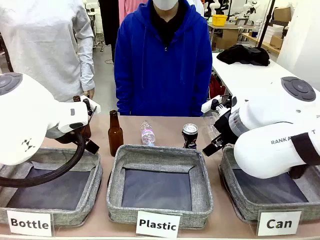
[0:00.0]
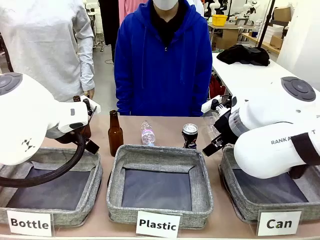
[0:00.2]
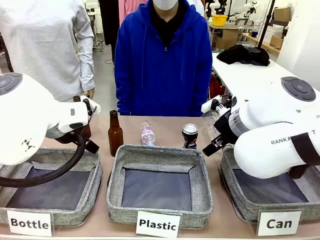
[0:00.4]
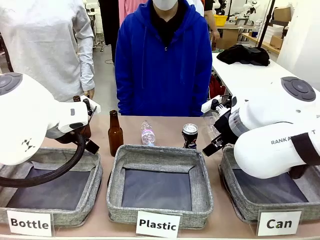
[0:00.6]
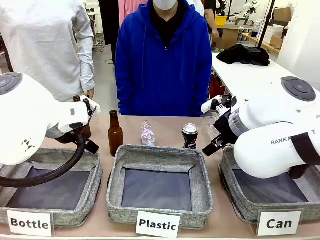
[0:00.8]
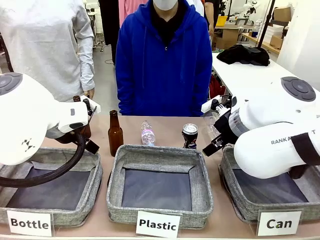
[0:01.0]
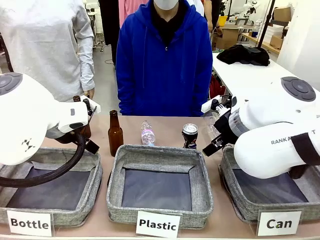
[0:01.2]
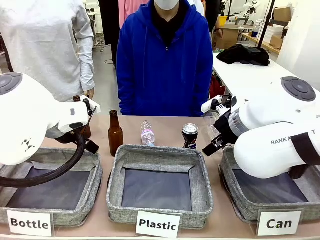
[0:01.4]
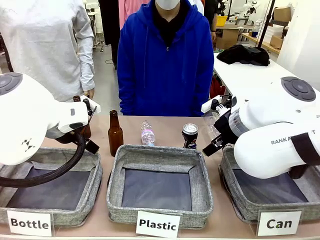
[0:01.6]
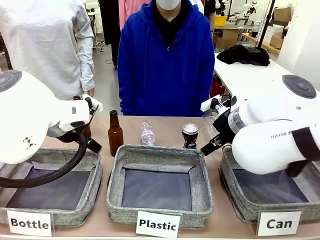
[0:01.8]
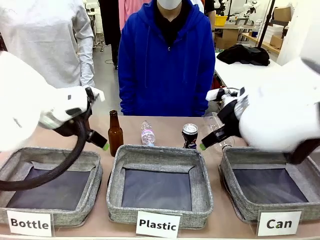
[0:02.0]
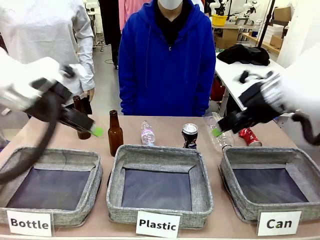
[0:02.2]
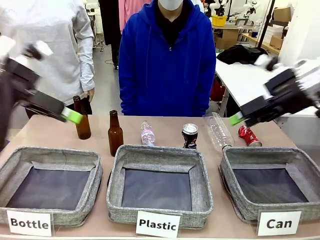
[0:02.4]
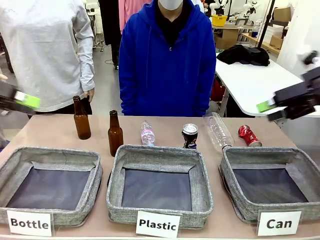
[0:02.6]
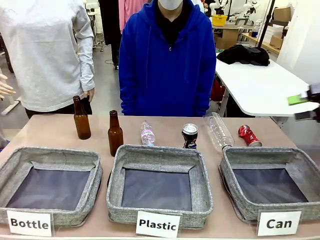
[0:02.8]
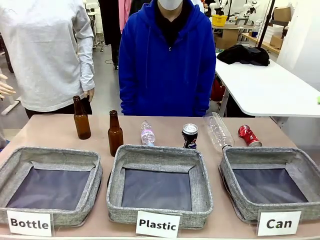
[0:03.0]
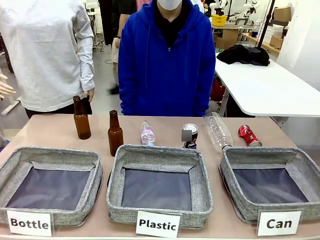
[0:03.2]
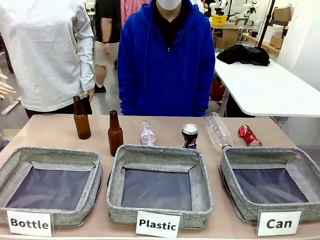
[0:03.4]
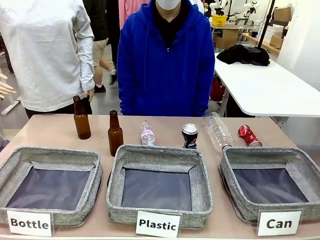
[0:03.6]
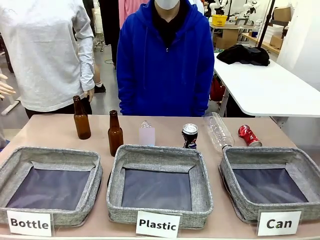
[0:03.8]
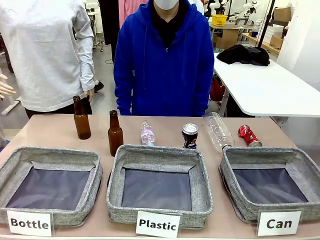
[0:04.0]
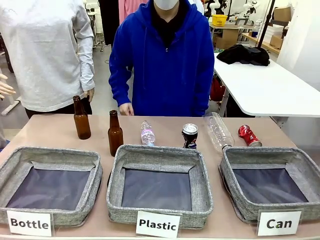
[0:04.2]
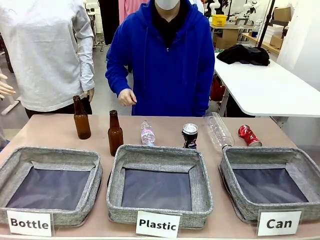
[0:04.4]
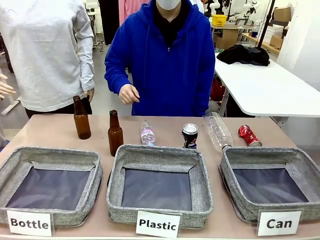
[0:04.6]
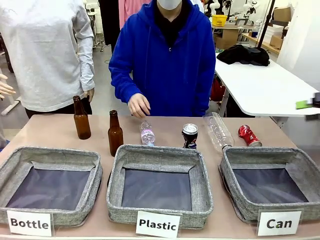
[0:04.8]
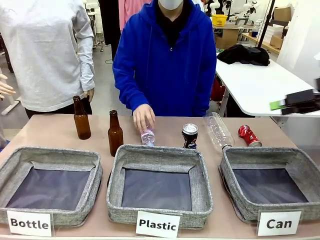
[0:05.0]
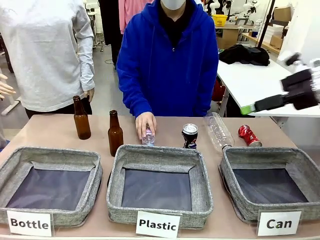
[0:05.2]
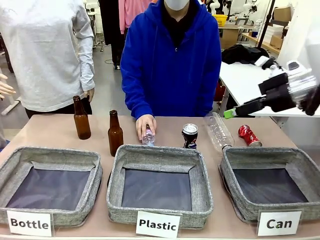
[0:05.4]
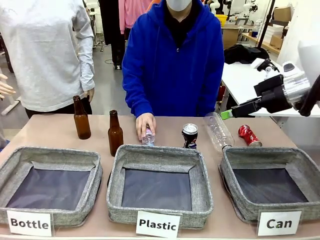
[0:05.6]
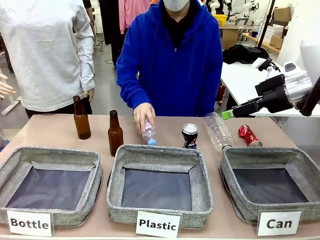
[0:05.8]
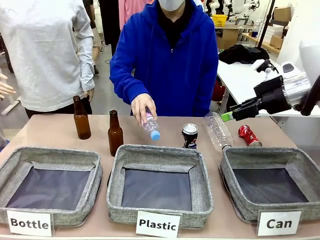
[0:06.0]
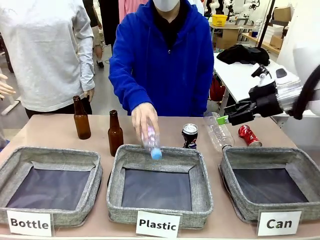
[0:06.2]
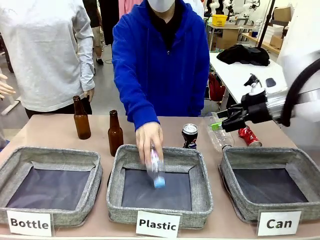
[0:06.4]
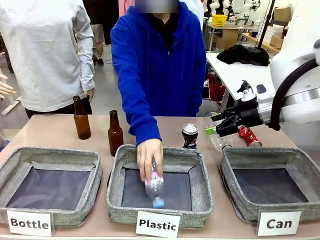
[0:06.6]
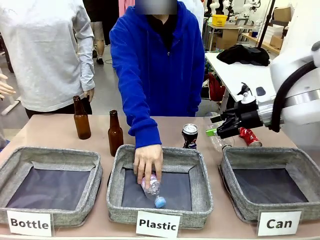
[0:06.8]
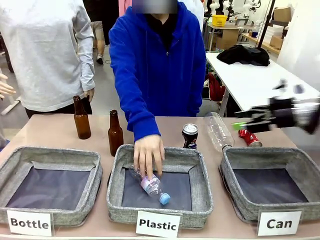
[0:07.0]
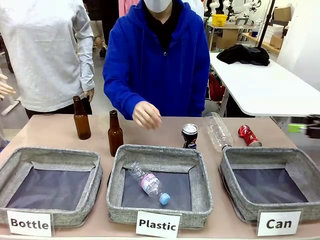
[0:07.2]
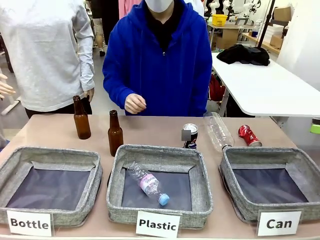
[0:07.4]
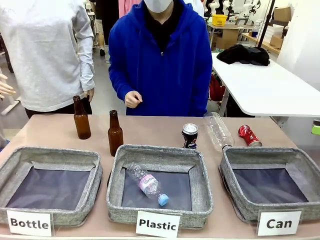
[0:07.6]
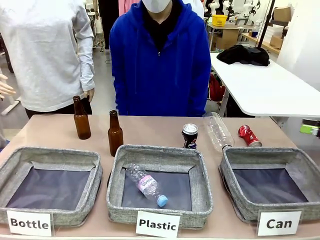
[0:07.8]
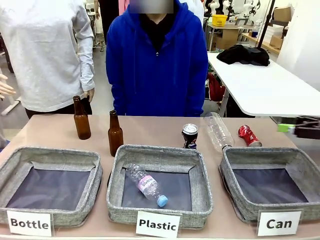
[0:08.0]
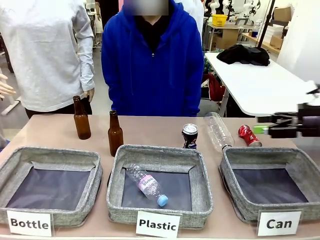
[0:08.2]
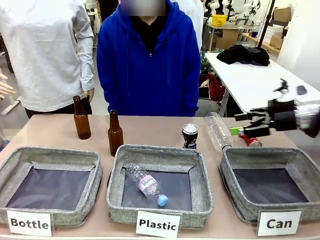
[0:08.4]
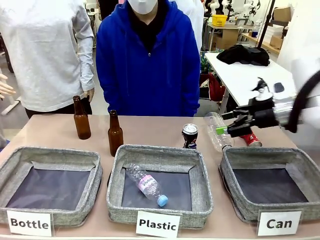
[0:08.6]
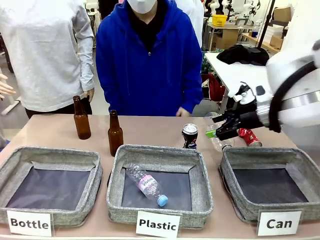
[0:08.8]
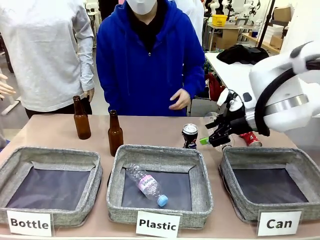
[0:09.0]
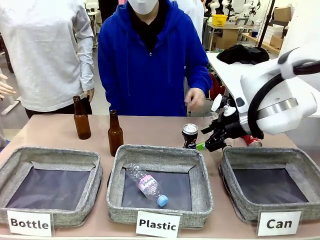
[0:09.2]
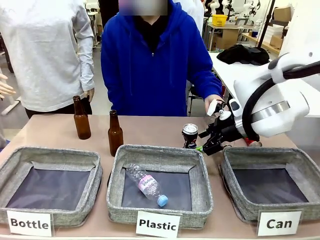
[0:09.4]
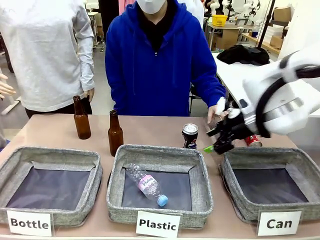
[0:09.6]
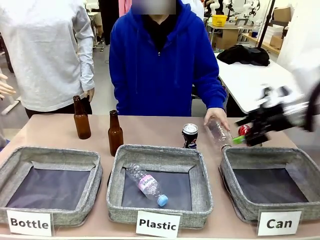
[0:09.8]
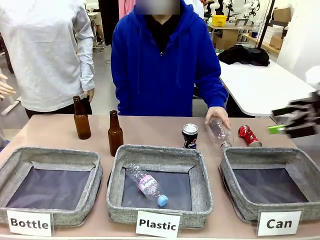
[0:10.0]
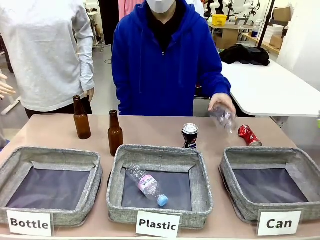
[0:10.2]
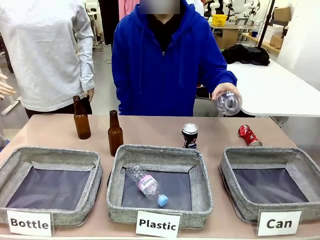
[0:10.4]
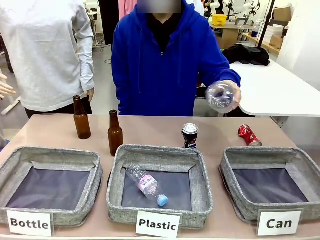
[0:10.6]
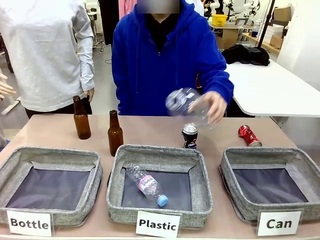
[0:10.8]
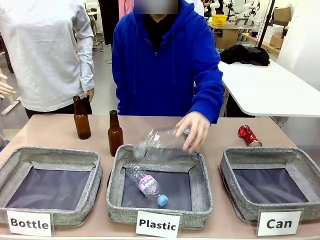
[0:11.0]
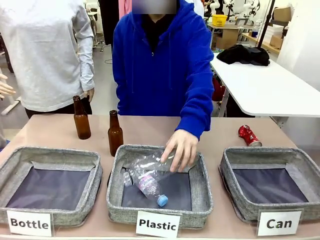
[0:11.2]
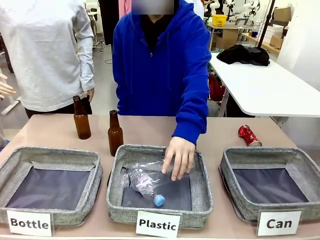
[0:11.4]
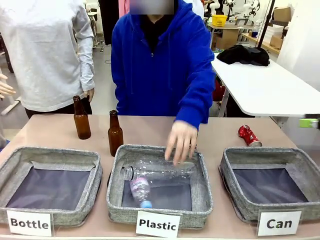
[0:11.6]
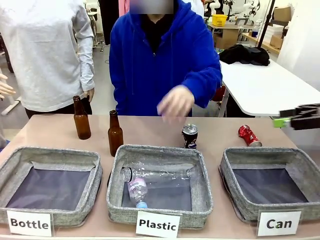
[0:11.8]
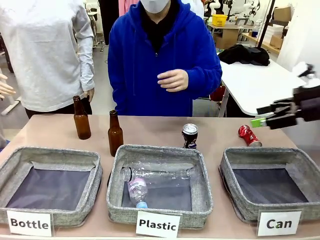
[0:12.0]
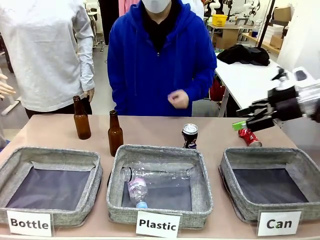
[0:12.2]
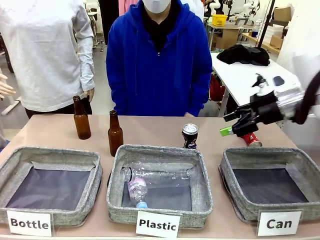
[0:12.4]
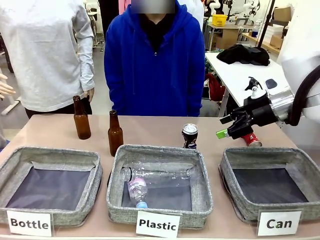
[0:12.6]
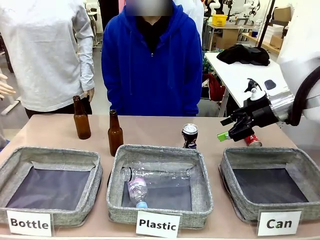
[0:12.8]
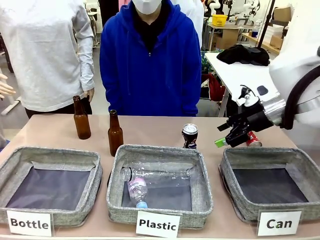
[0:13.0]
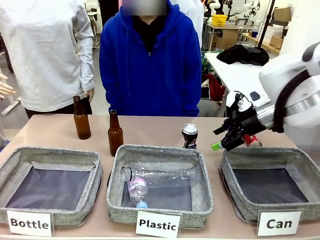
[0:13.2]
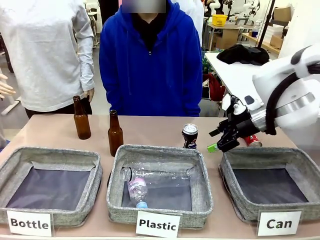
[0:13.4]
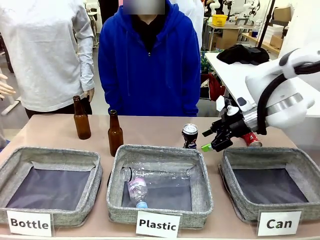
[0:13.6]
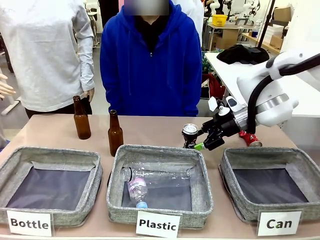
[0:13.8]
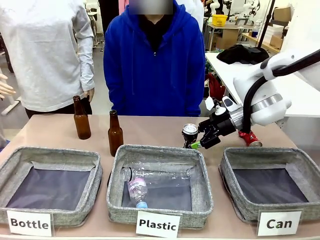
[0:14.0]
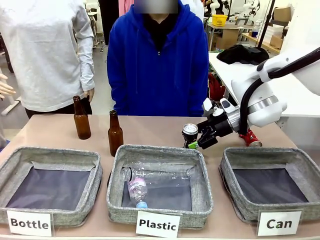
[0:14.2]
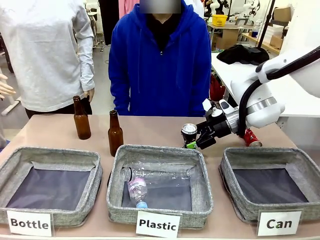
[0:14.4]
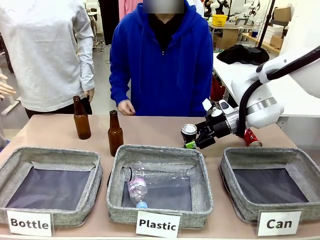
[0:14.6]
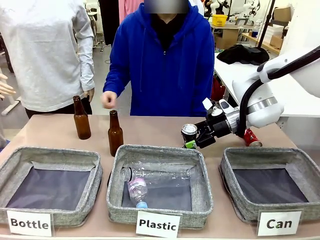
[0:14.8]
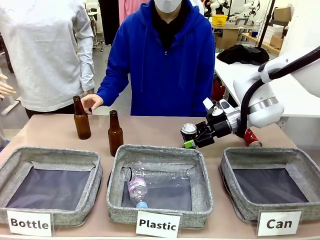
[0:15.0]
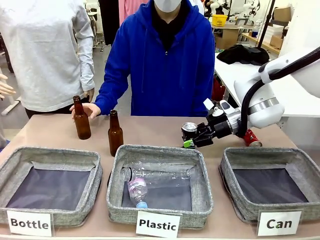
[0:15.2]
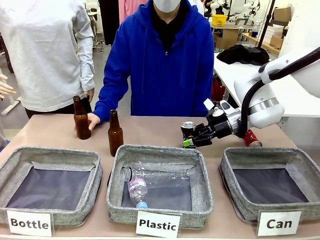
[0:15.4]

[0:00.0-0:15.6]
Task: Sort the can waste into the basket.
Robot: Pick up the can waste from the table and place it in the right Fabric basket.
